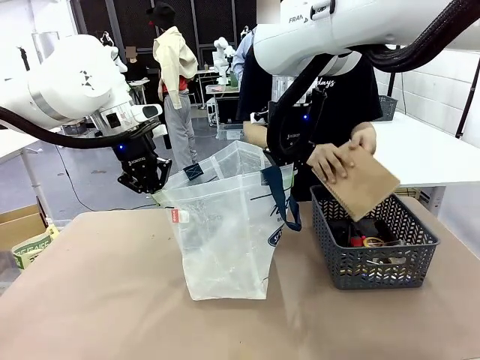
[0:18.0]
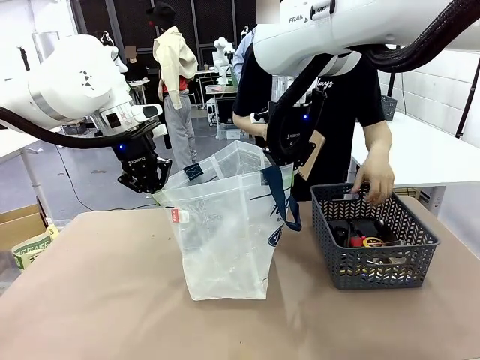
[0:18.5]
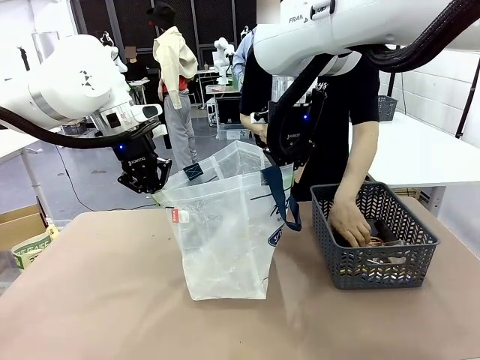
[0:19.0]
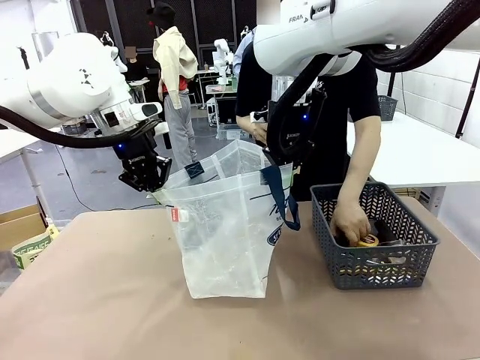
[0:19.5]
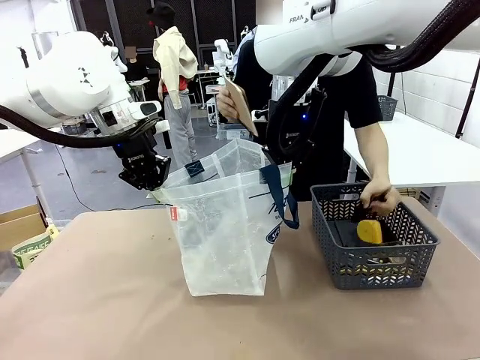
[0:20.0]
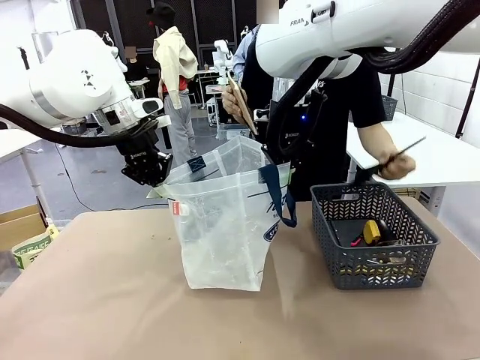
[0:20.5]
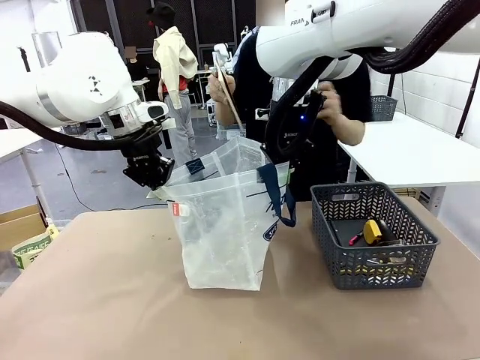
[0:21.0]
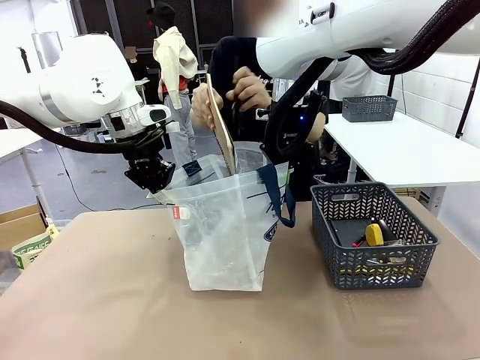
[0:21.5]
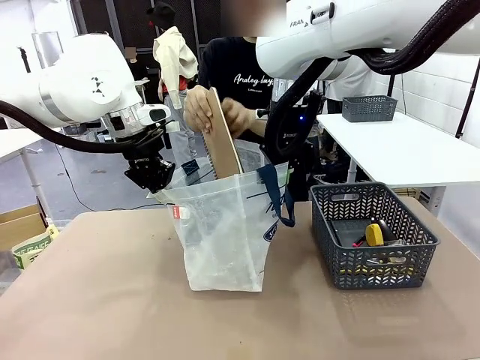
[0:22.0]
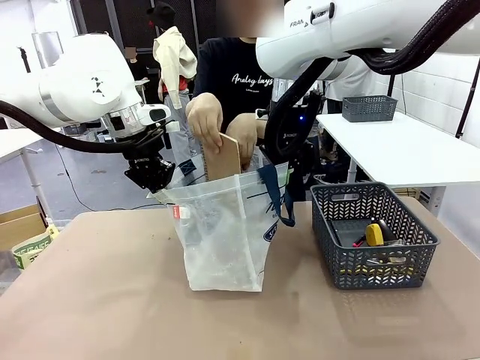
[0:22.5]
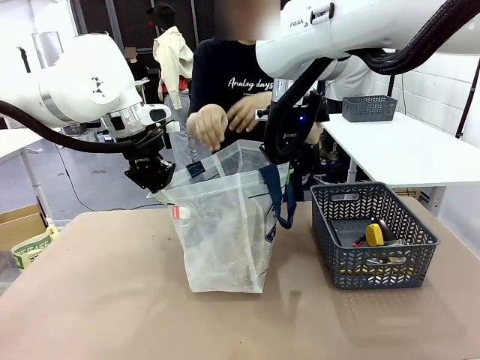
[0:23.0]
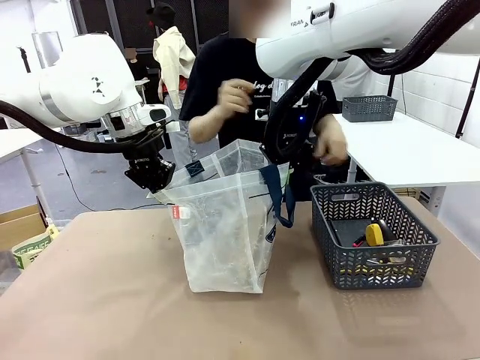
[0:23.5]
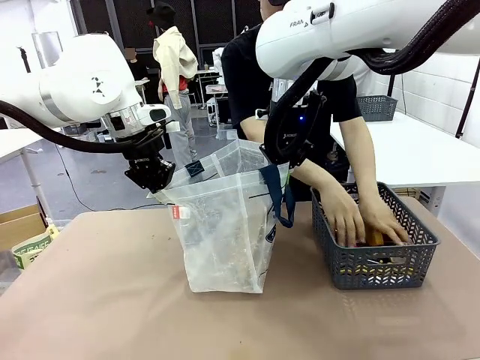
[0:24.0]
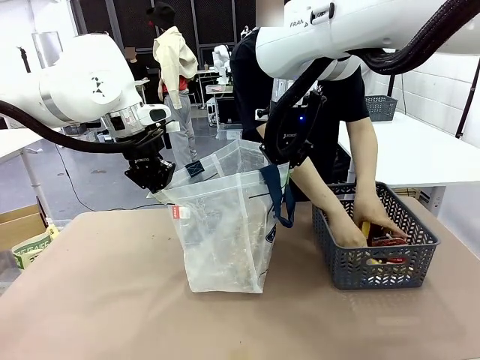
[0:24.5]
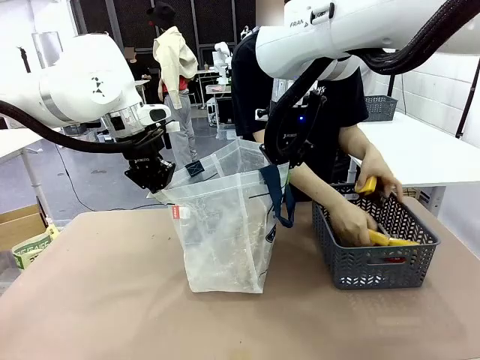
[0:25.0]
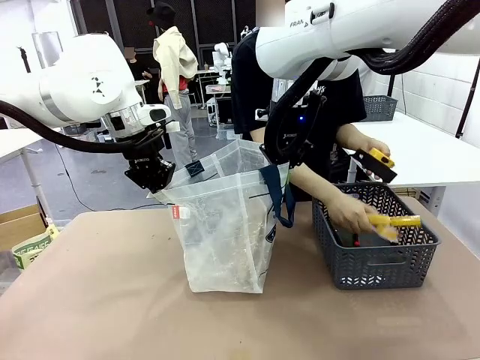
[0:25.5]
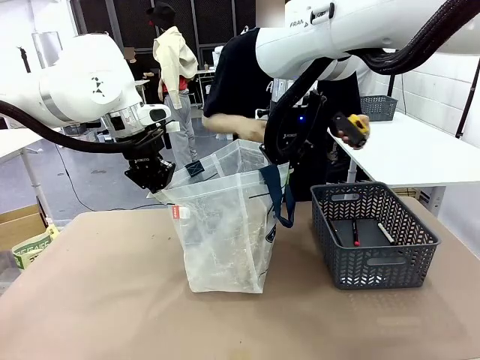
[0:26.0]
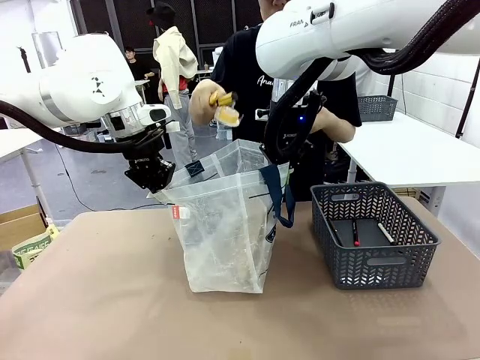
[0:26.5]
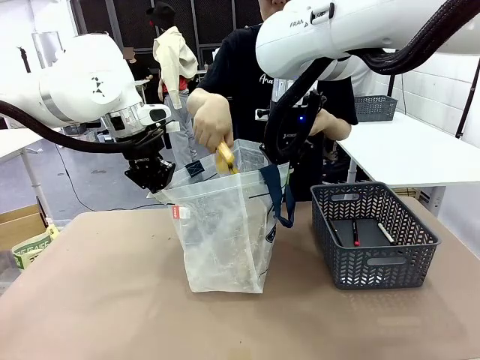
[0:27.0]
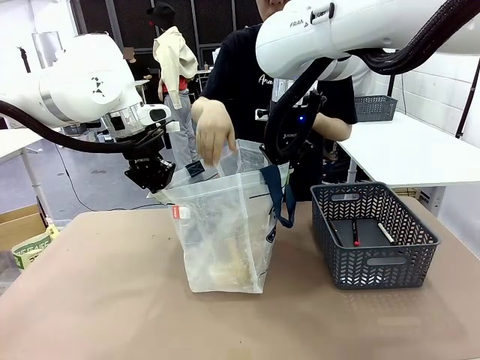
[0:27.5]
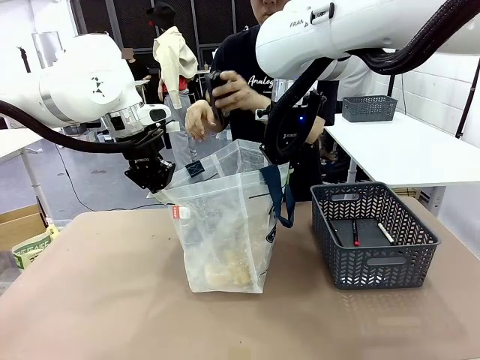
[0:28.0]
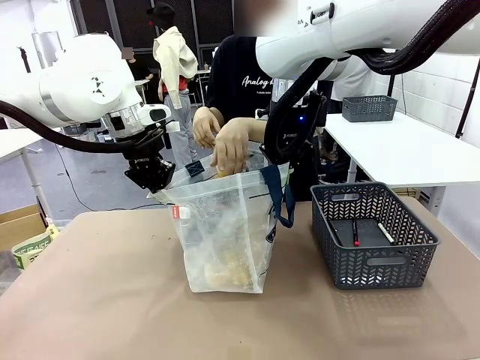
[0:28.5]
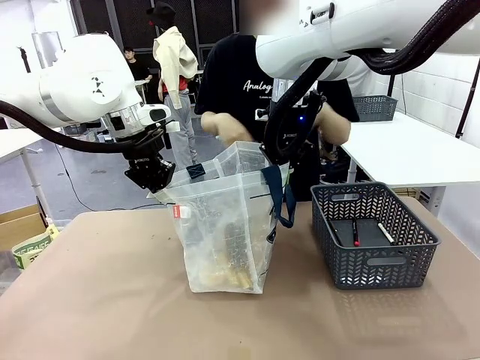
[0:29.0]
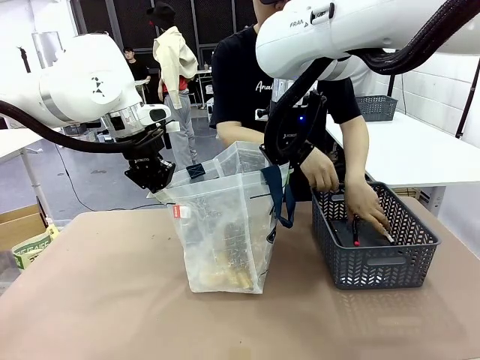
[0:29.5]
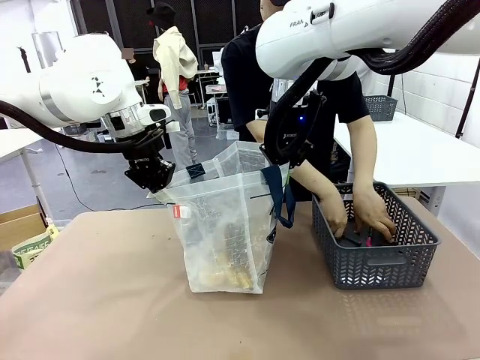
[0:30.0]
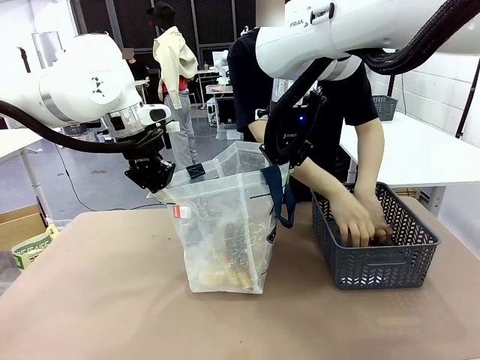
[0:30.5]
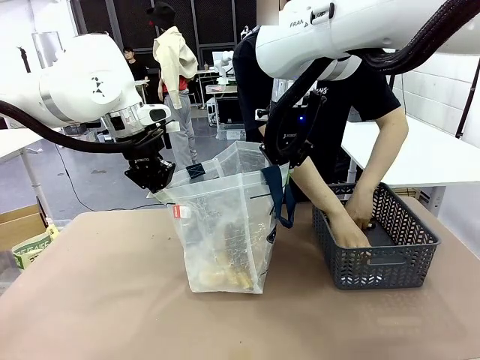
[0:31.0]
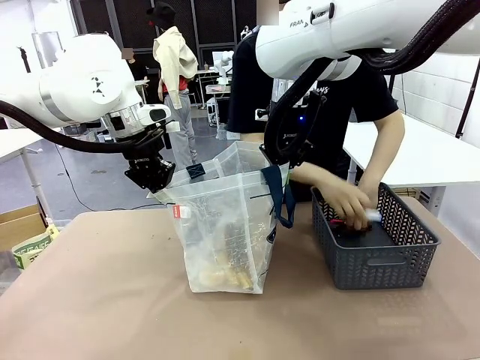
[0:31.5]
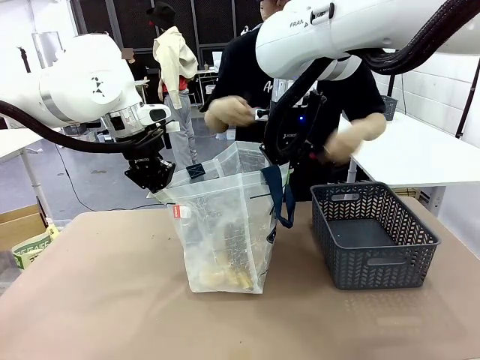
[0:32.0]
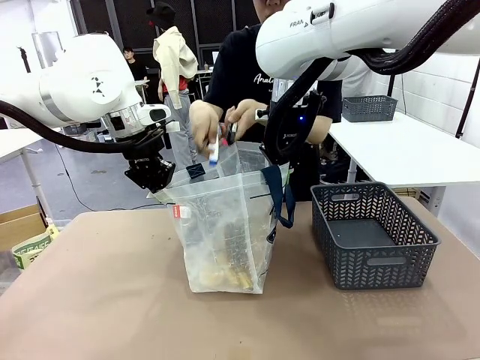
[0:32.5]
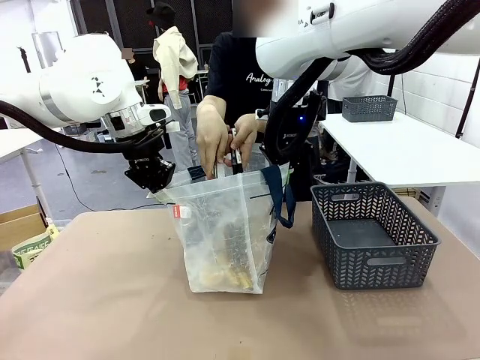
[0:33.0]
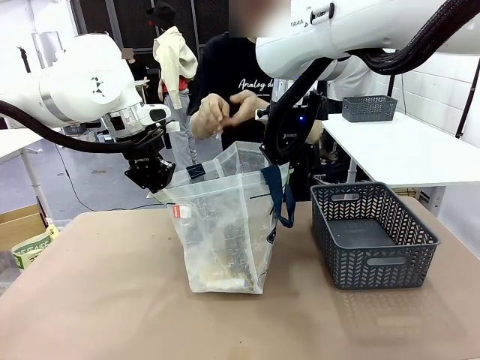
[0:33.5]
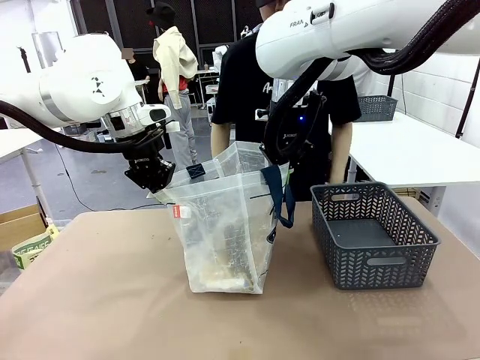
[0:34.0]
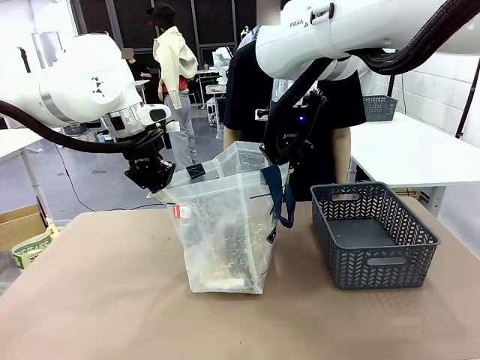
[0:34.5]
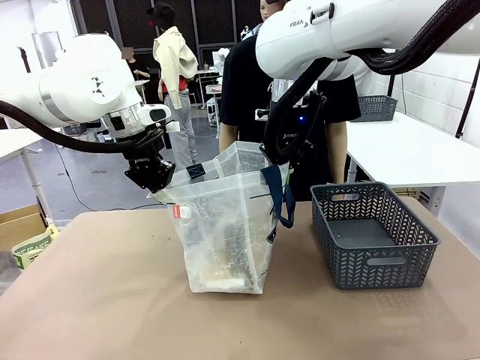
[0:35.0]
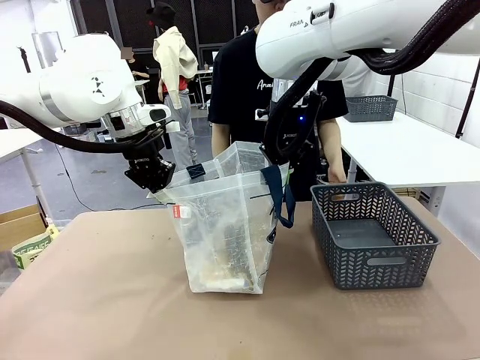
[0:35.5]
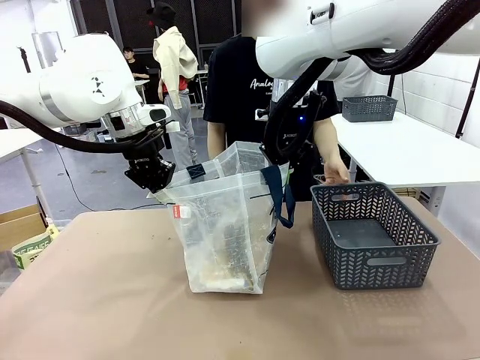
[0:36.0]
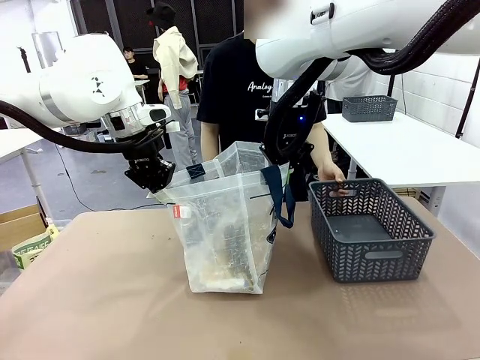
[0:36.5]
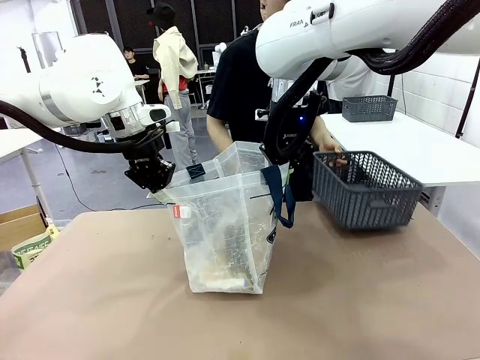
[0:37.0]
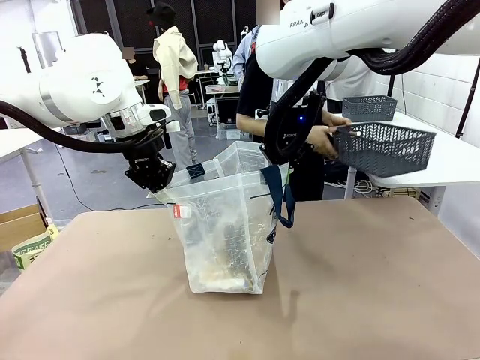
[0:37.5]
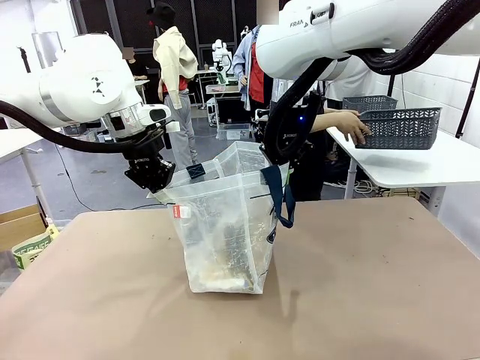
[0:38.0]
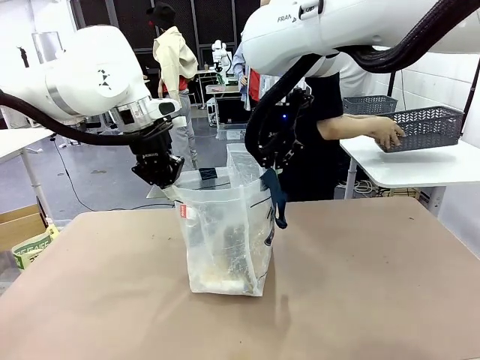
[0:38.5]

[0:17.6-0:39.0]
Task: Transfer purchased items from the store into the shopping bag.
Robot: Move the Reusable shopping bag to the right side of the table.
Person: Pick up the basket on the right, place it on the left side of the robot table, and move the items in the basket to the shopping bag. Pick up the basket with the items out and place it on the right side of the human table.

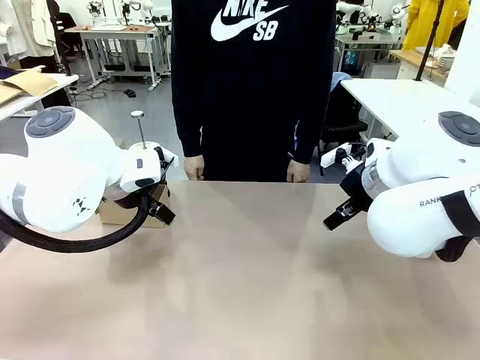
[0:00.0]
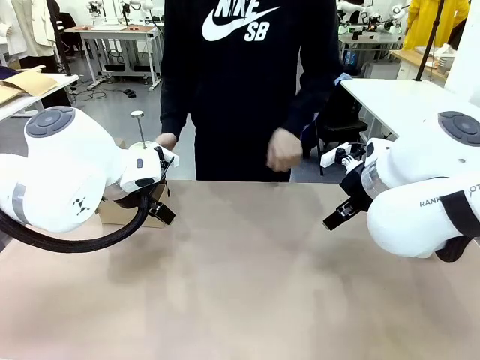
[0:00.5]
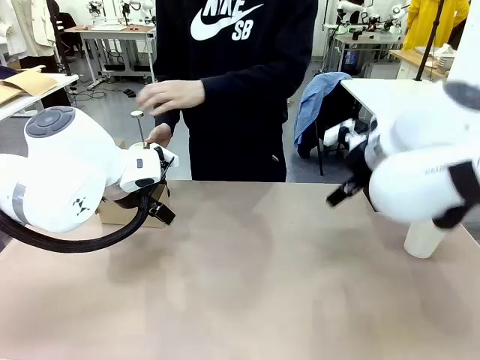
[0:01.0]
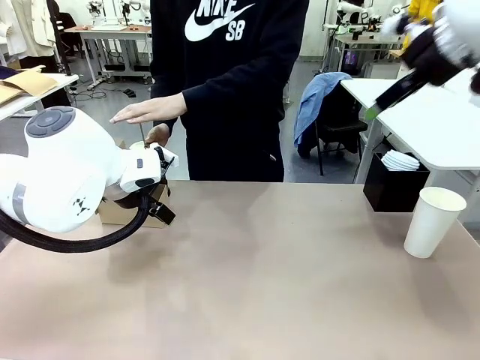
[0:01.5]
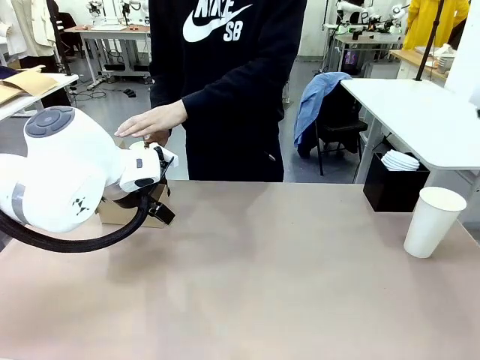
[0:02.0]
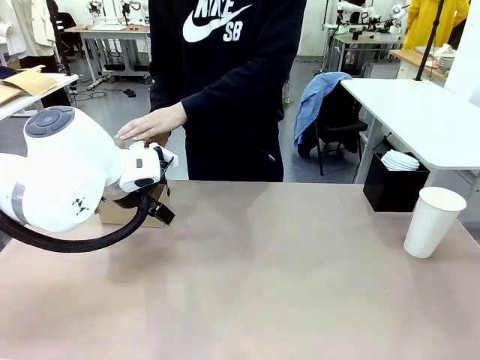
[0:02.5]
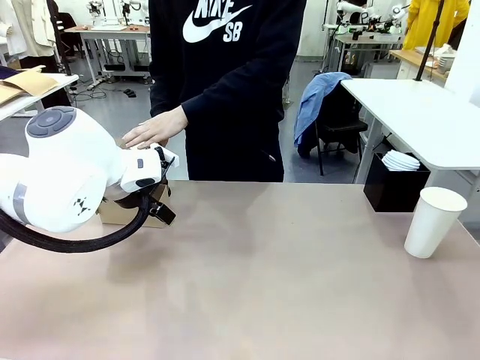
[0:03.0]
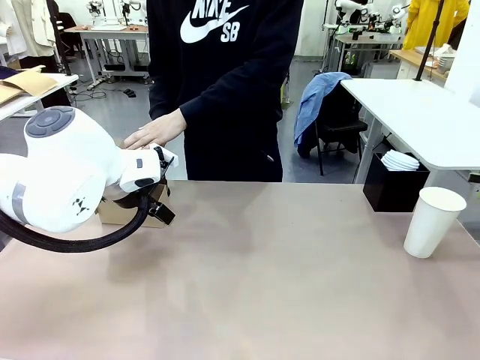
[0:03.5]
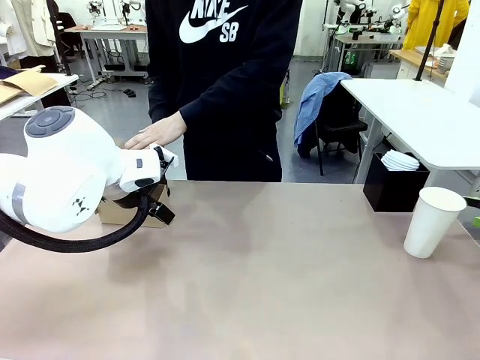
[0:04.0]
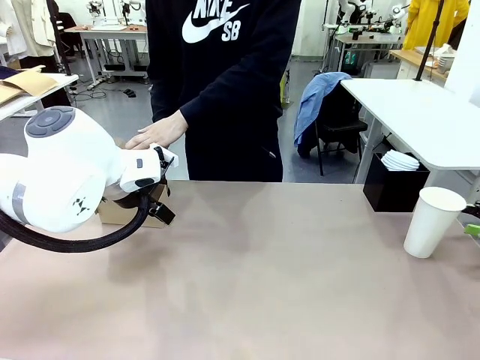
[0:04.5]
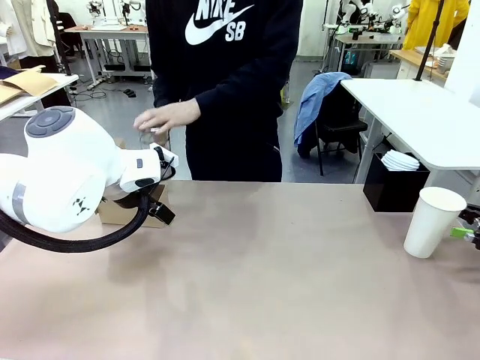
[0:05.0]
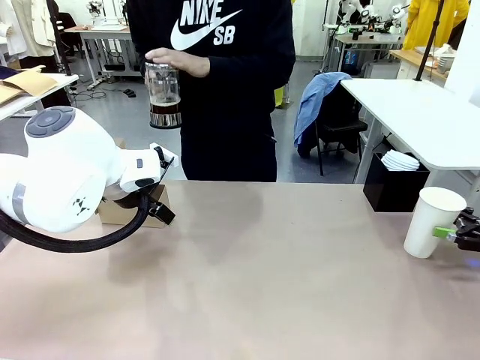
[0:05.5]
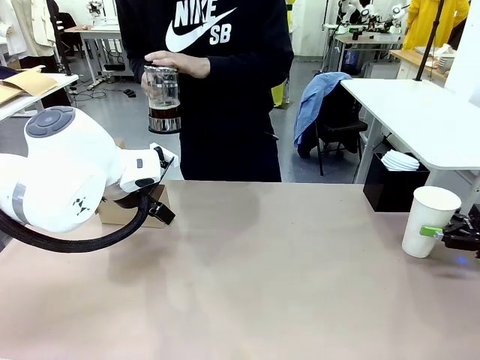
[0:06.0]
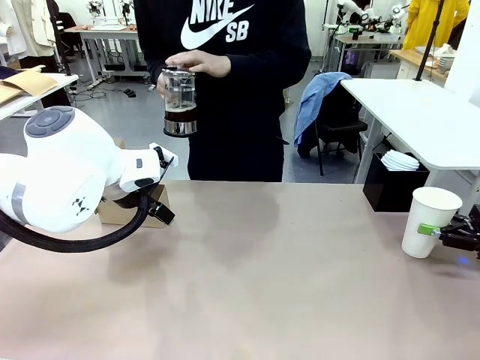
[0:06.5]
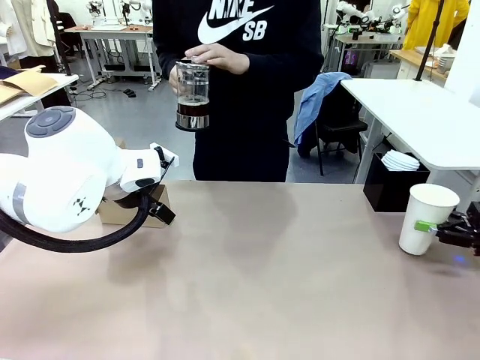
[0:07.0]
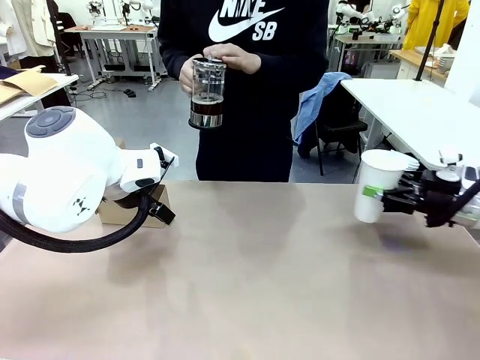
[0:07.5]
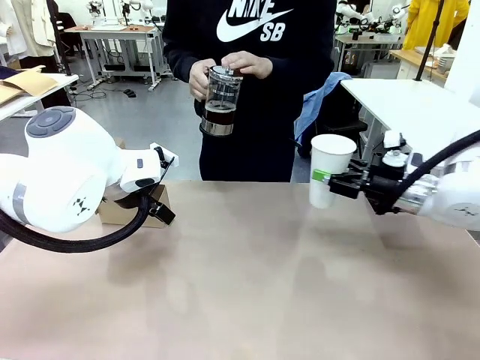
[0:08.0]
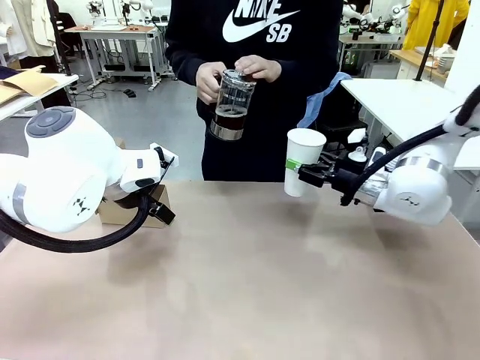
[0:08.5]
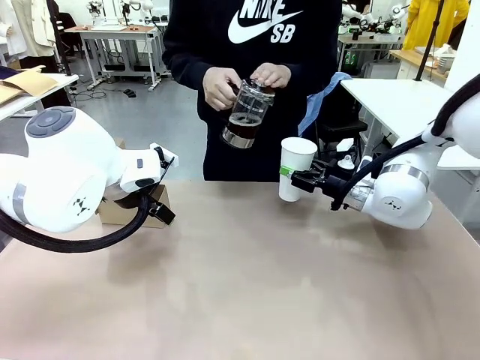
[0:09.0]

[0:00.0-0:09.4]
Task: Pour a drink into a cup and package it in a carrier.
Robot: Pick up the 600 ml Paper Cup and place it in the middle top area of the table.
Person: Press and pick up the Filter Brewing.
